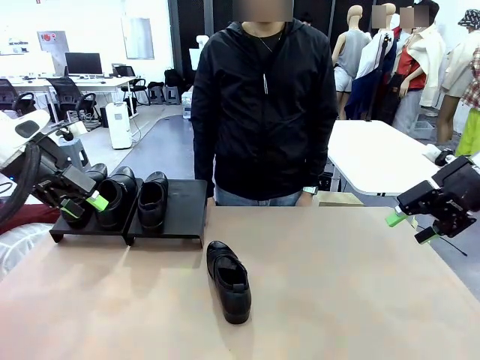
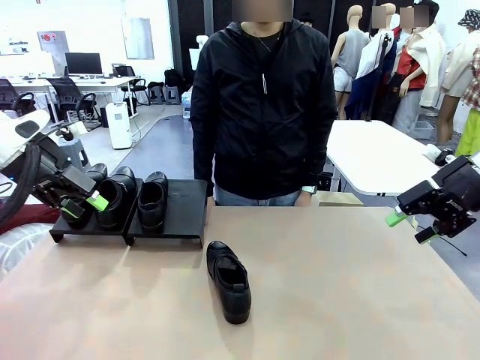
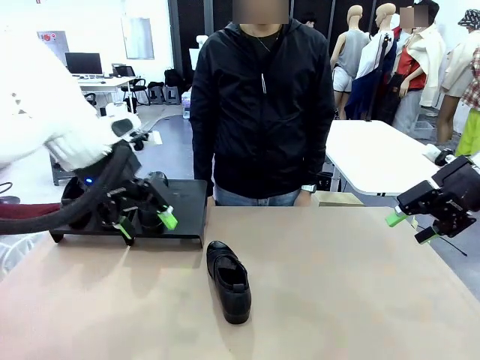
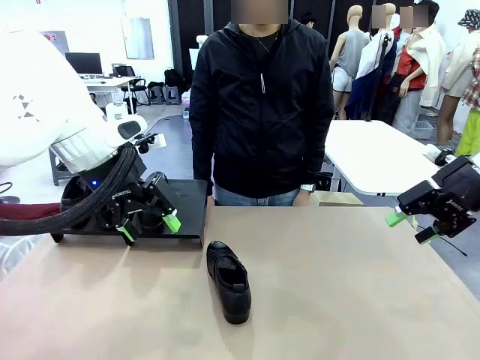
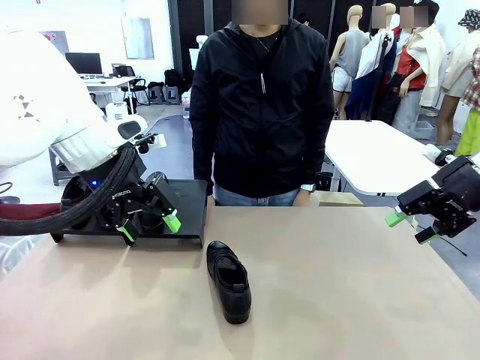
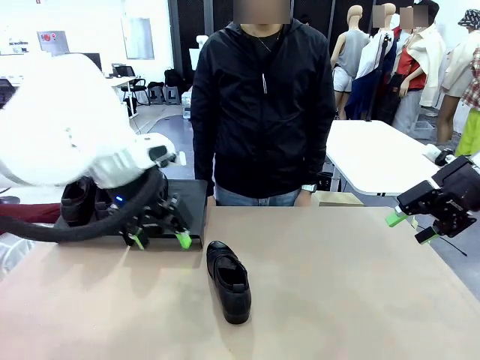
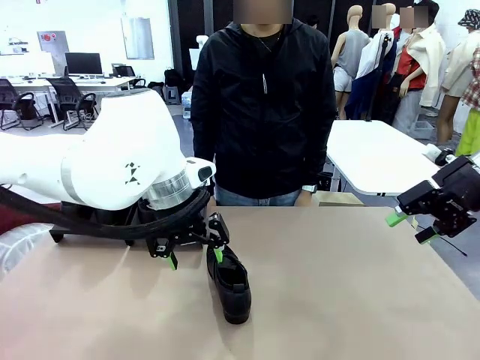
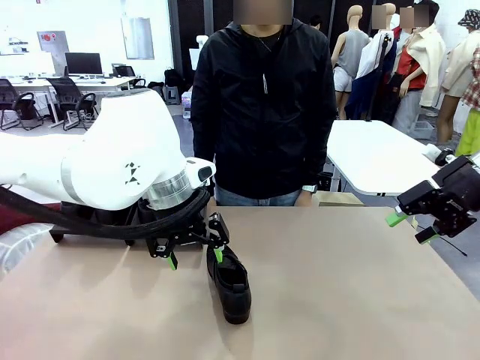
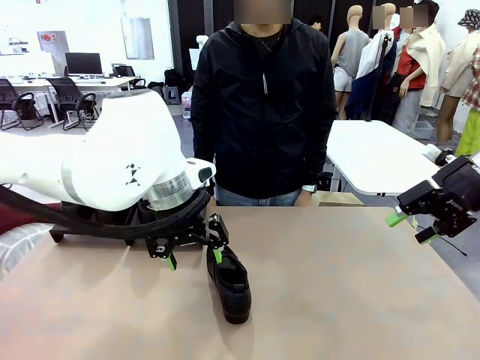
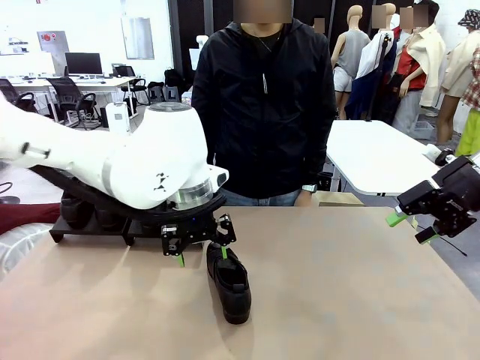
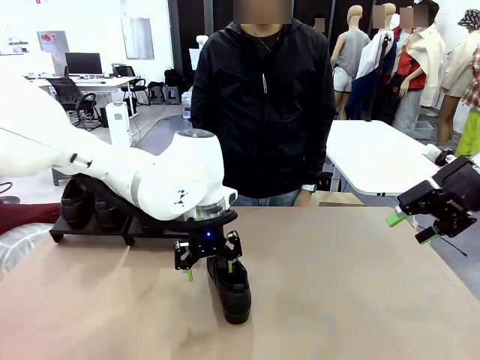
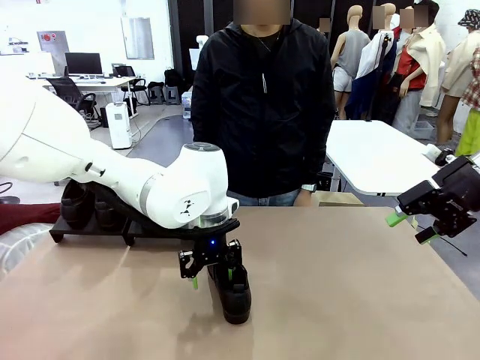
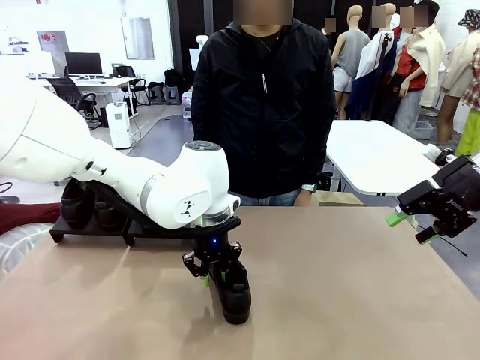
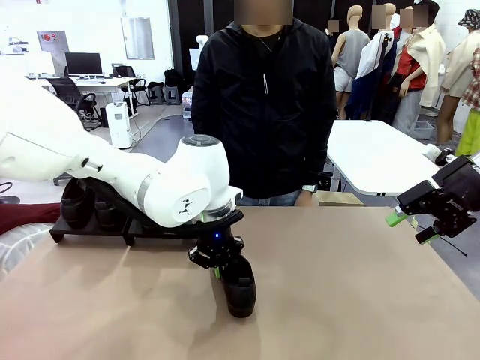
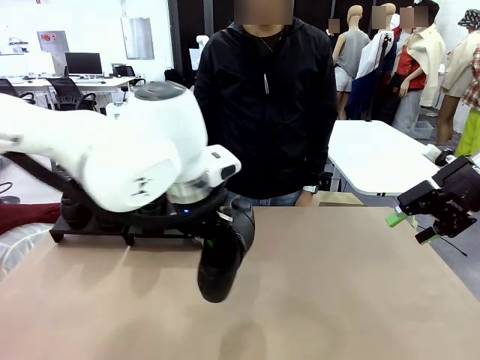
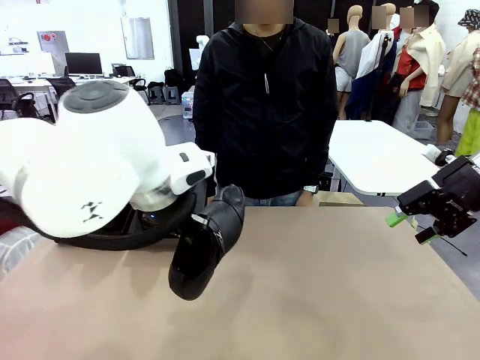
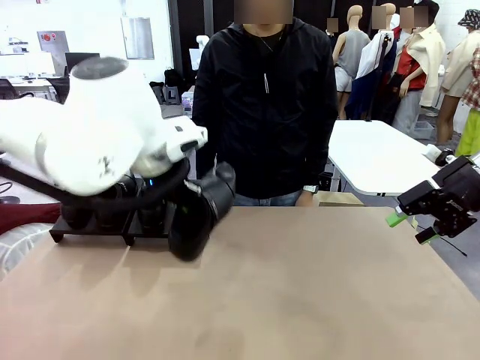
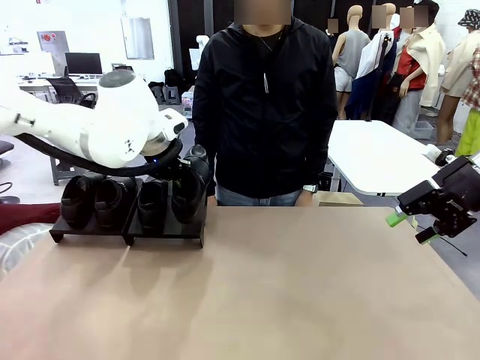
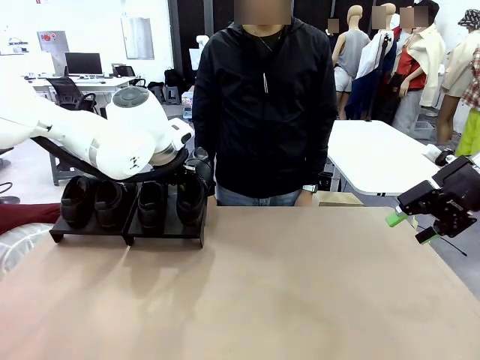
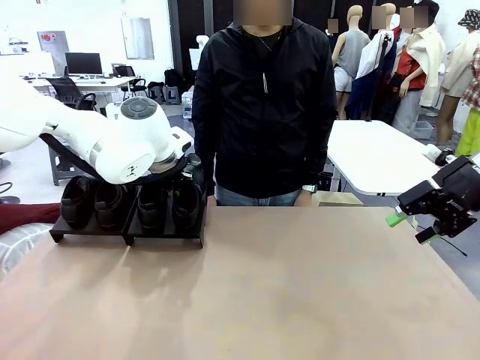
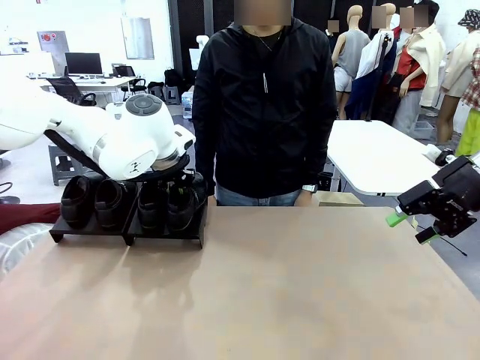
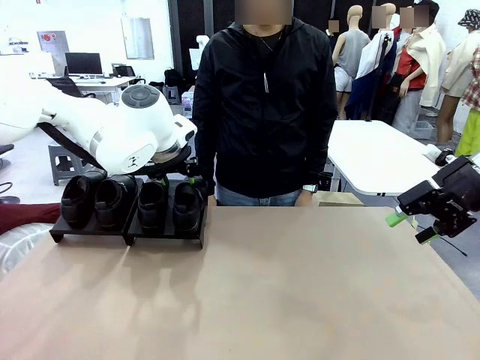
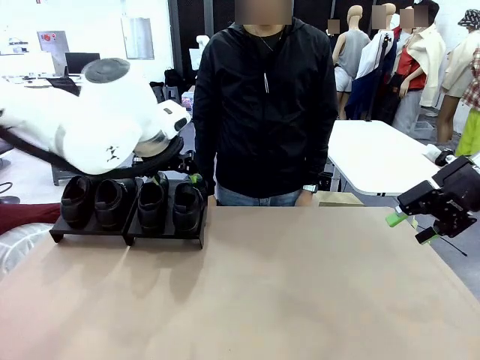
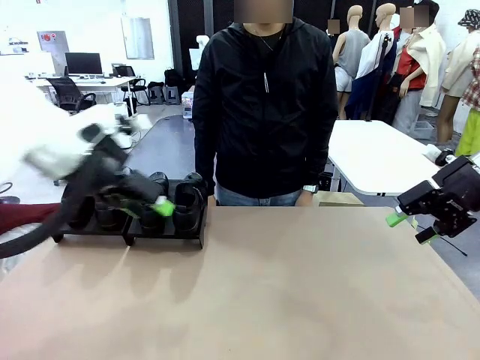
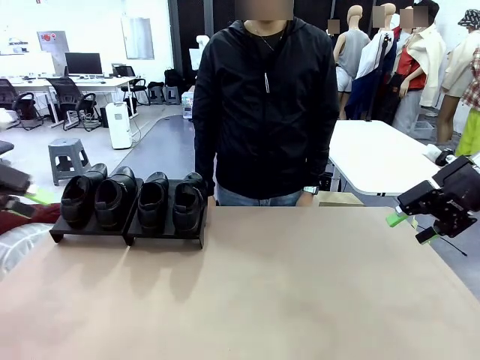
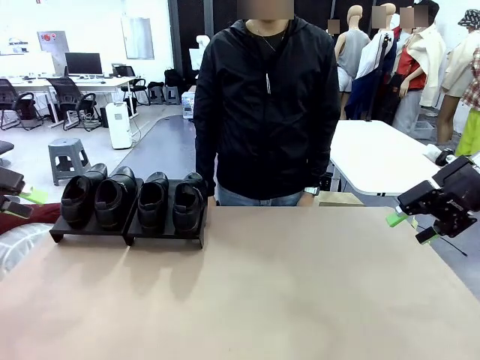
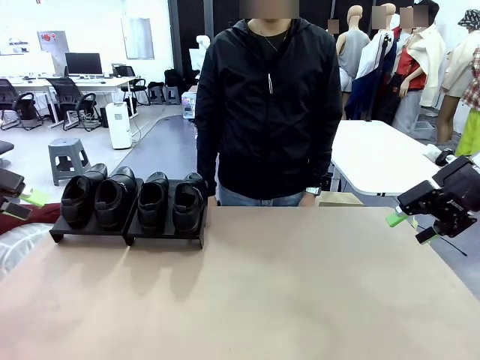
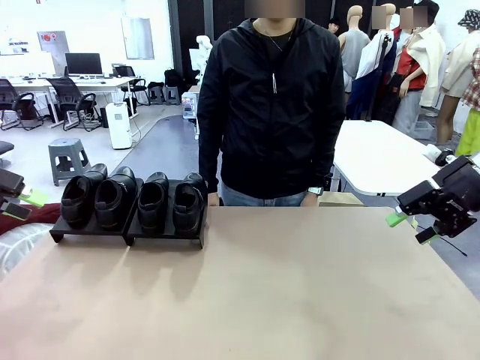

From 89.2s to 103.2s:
Task: Organize the shoes by placing them on the stand.
Robot: Place the Shoe from the middle of the table onto the Shoes Stand.

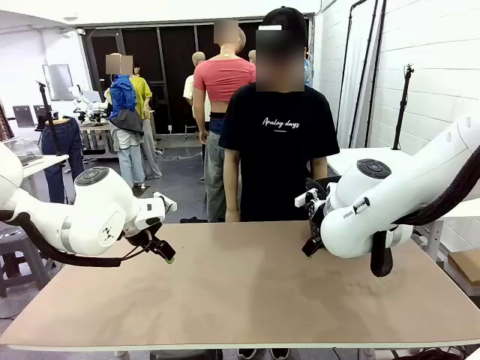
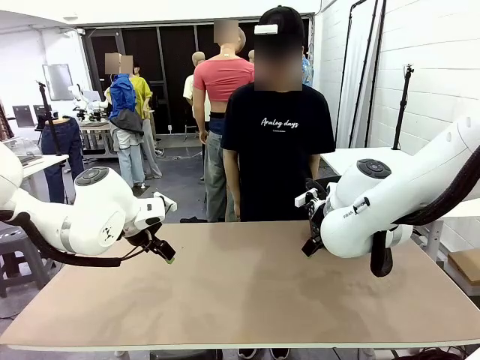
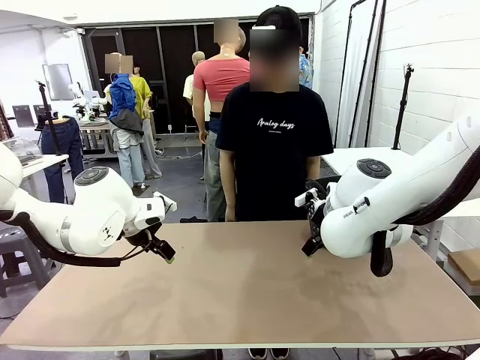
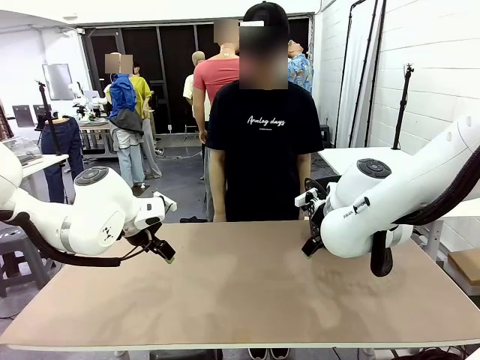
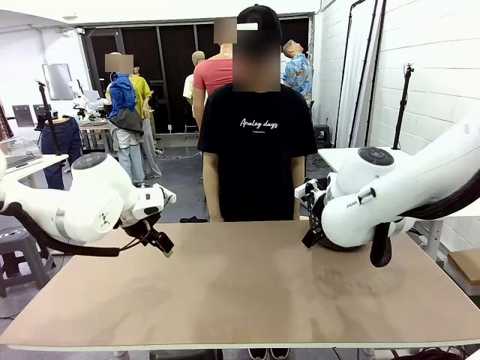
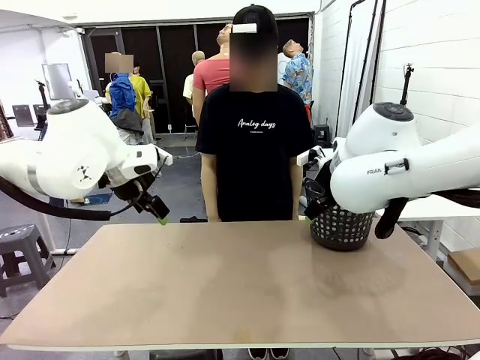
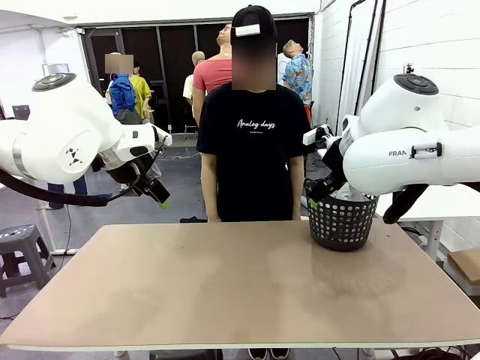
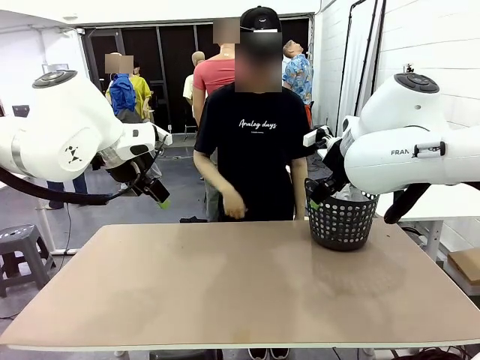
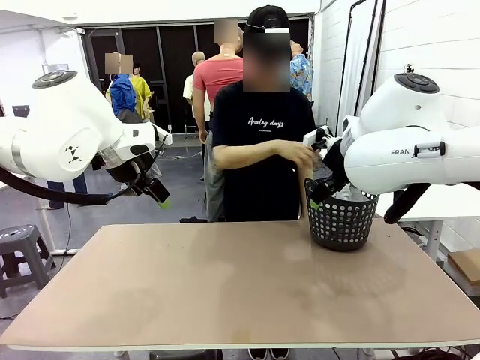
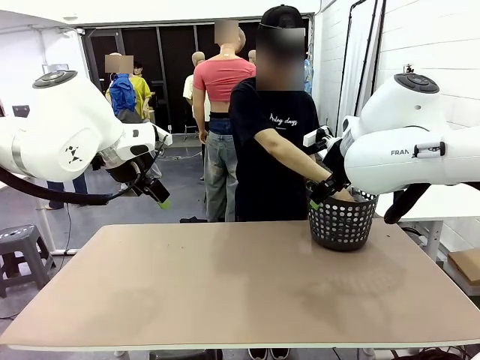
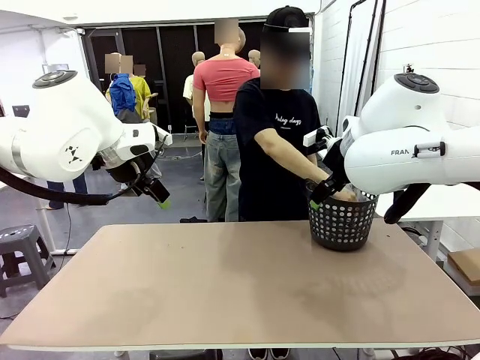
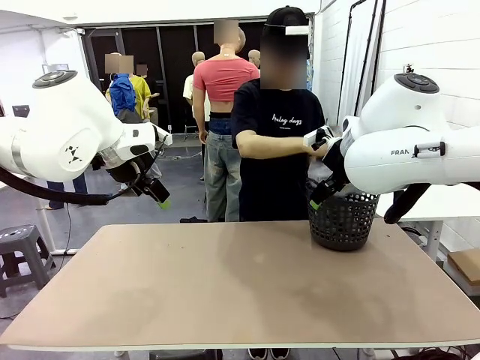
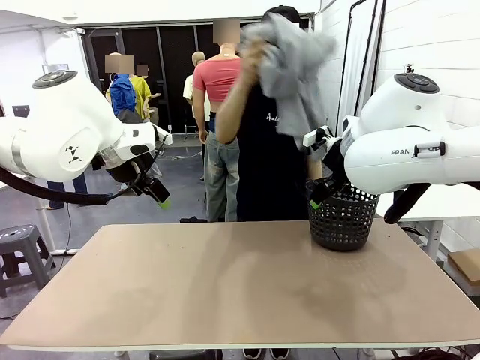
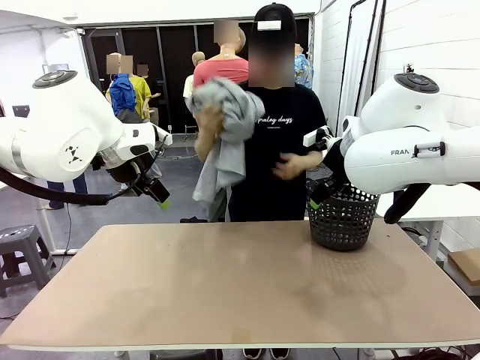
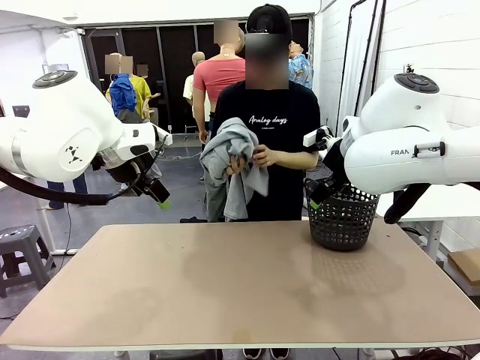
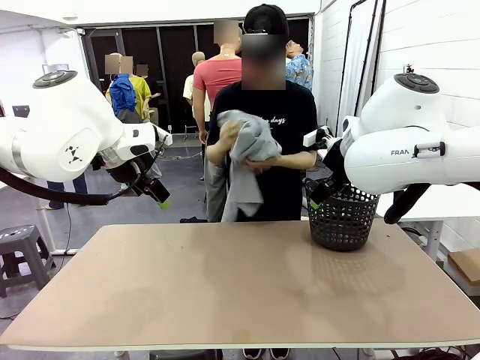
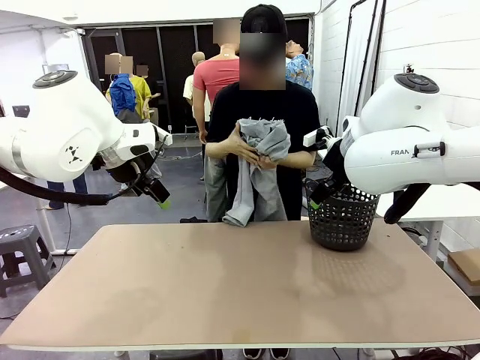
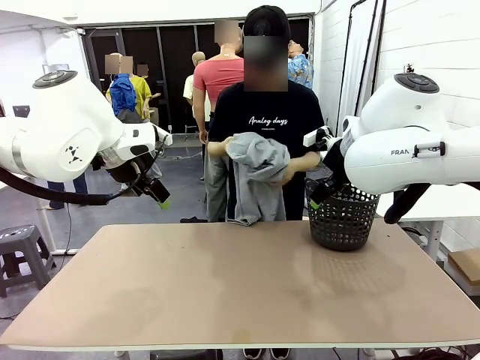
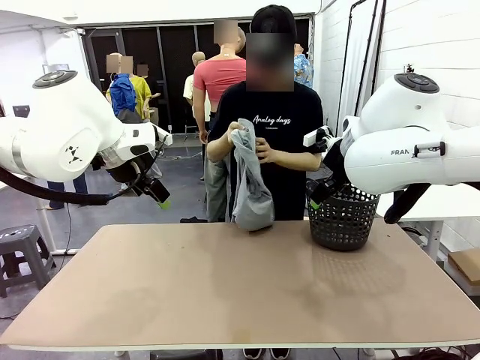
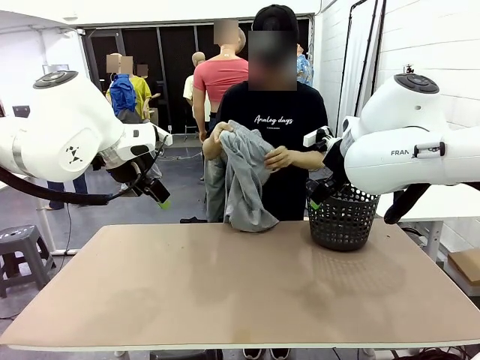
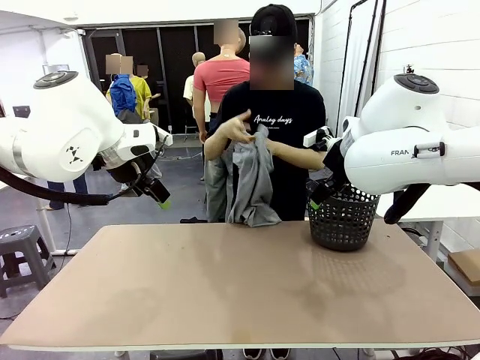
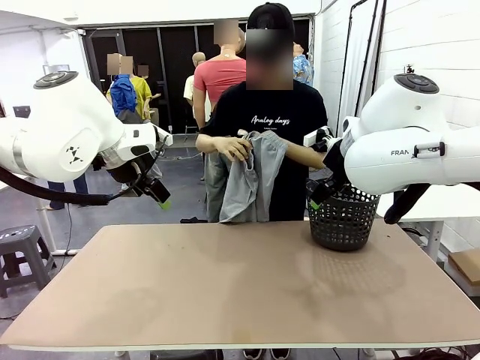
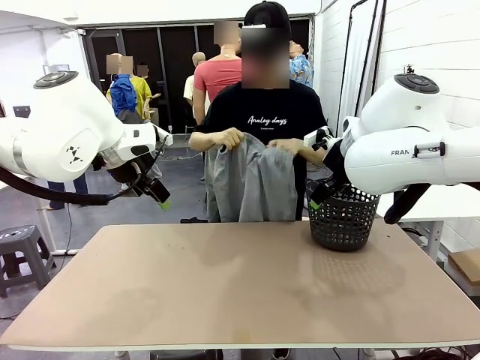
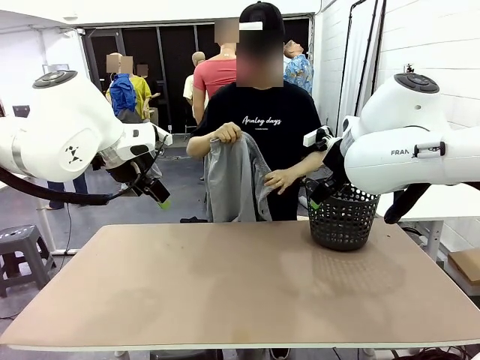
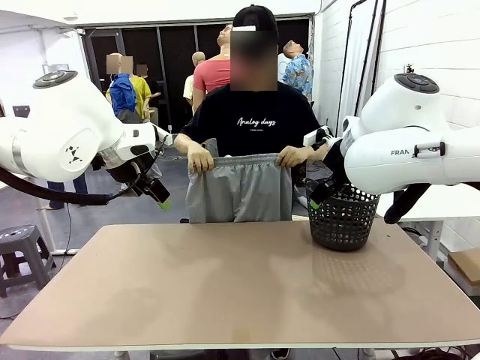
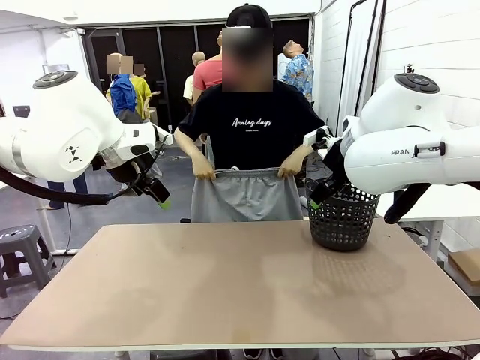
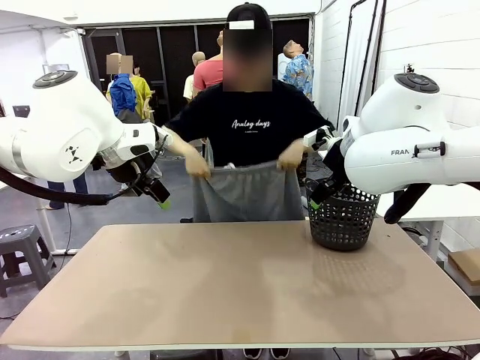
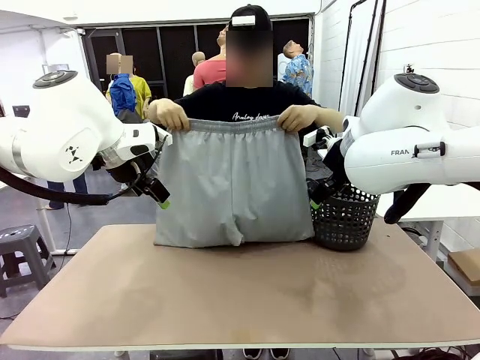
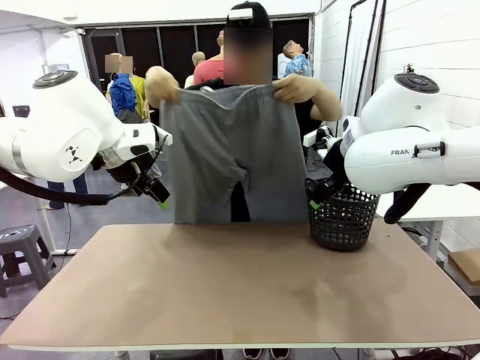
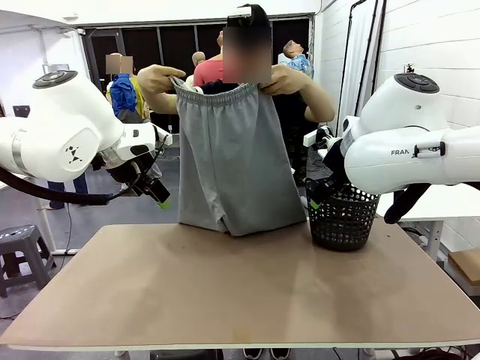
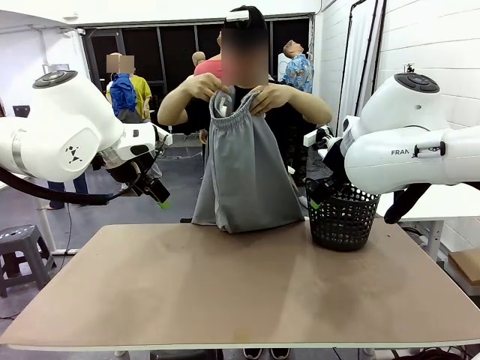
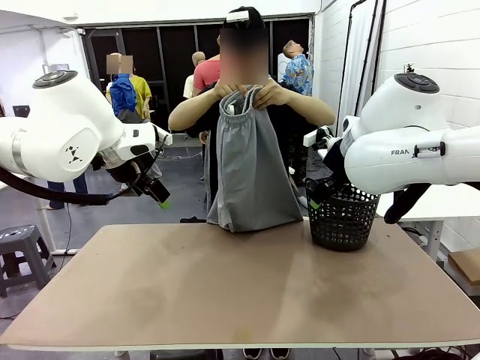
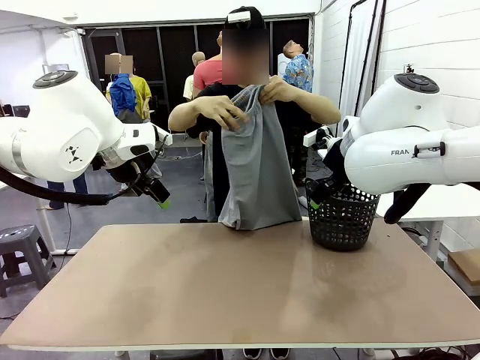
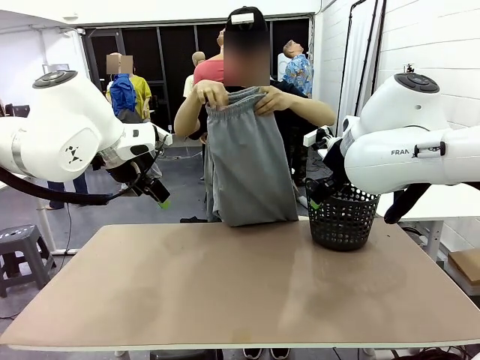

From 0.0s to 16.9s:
Task: Fold the training pants.
Robot: Grab both ends of the Training pants handed by a person.
Person: Take the long pants out of the laundry basket, unfold them, fold the waist in half, and extend them so the robot can pick up both corners.
